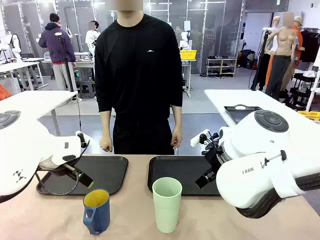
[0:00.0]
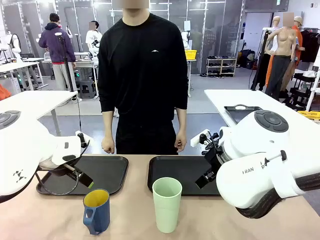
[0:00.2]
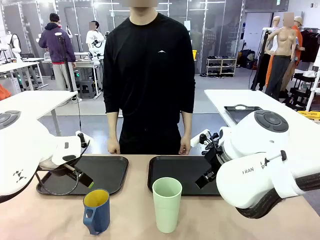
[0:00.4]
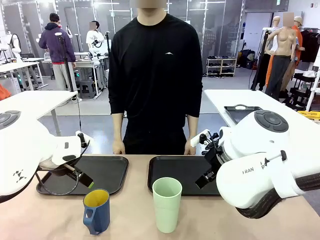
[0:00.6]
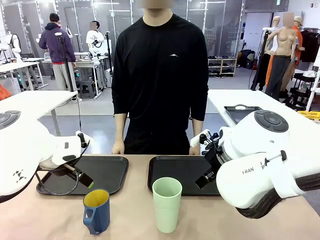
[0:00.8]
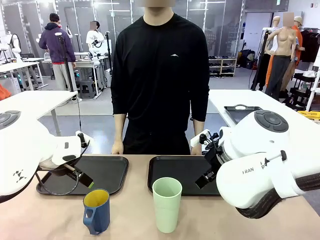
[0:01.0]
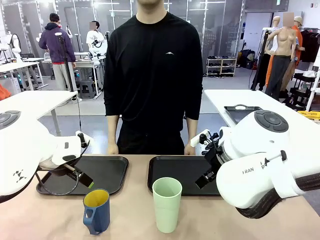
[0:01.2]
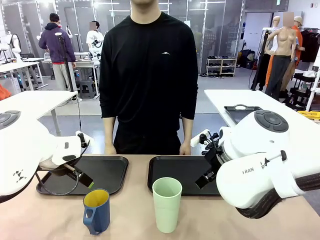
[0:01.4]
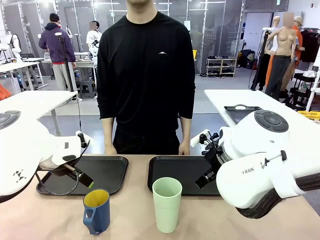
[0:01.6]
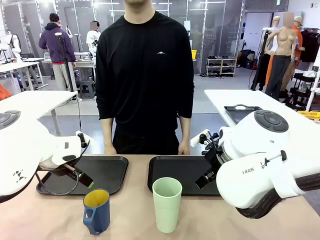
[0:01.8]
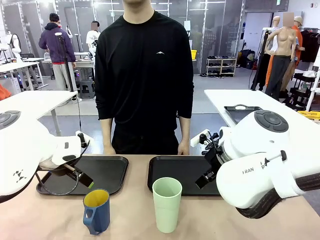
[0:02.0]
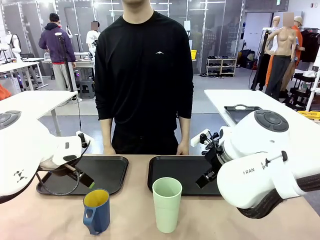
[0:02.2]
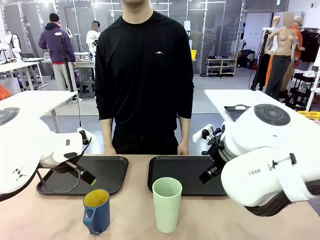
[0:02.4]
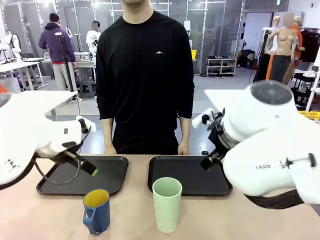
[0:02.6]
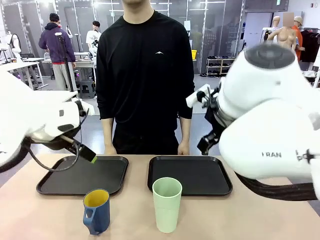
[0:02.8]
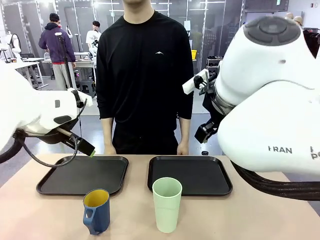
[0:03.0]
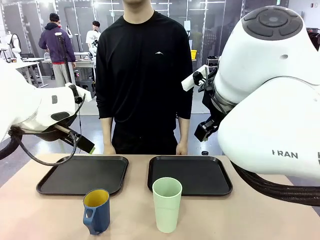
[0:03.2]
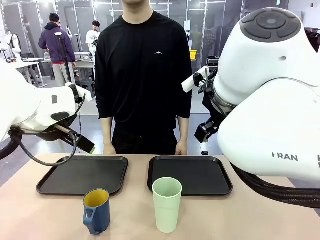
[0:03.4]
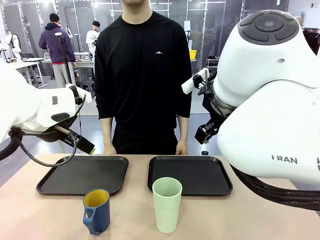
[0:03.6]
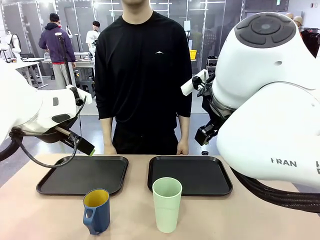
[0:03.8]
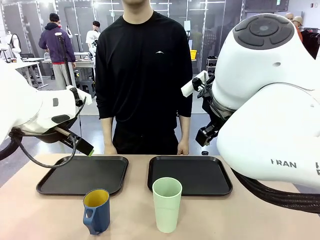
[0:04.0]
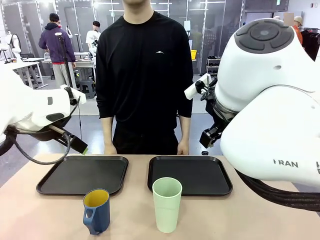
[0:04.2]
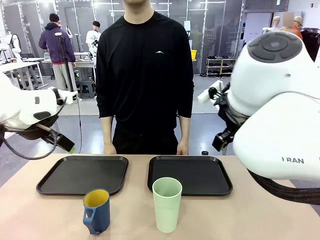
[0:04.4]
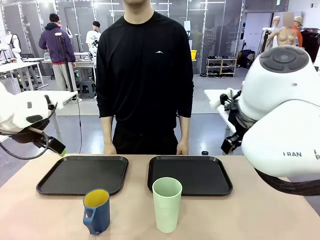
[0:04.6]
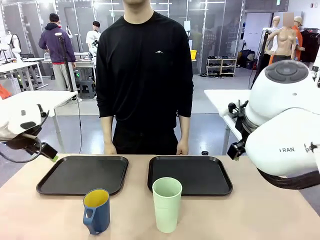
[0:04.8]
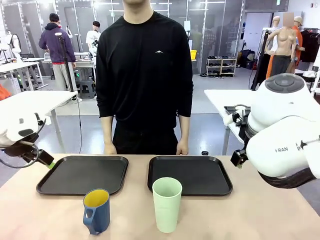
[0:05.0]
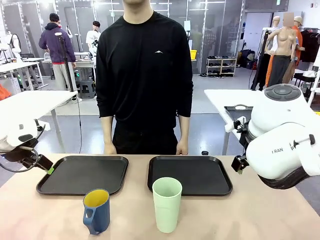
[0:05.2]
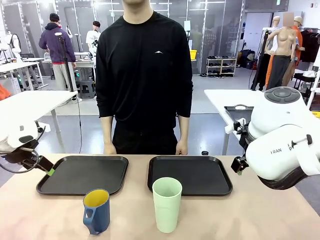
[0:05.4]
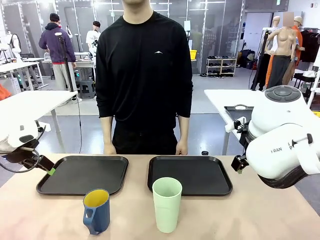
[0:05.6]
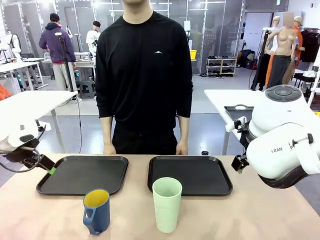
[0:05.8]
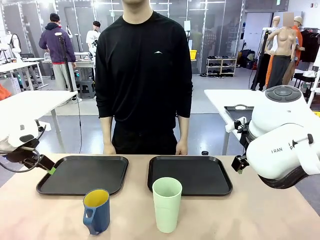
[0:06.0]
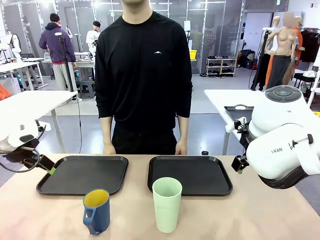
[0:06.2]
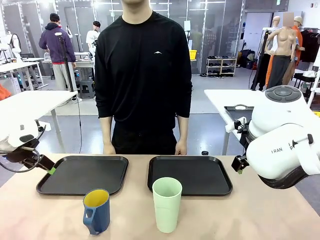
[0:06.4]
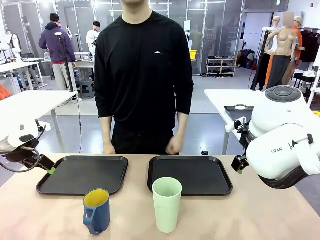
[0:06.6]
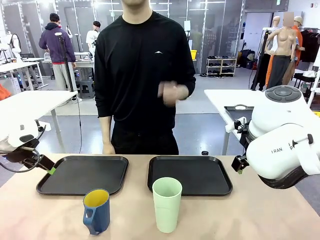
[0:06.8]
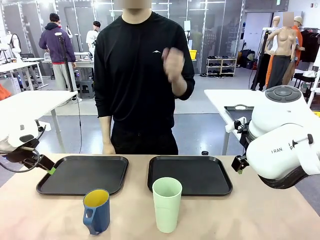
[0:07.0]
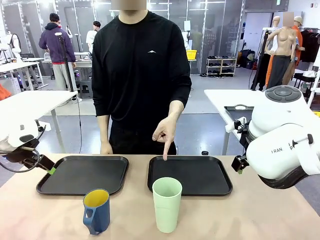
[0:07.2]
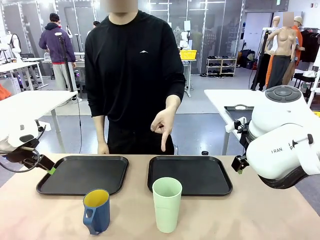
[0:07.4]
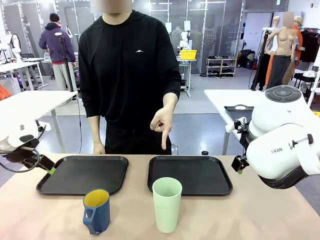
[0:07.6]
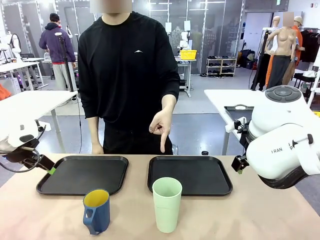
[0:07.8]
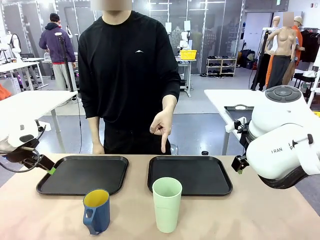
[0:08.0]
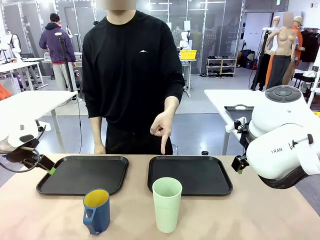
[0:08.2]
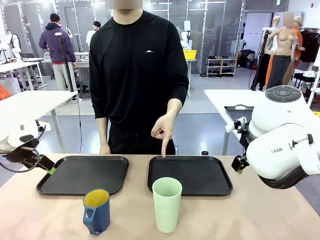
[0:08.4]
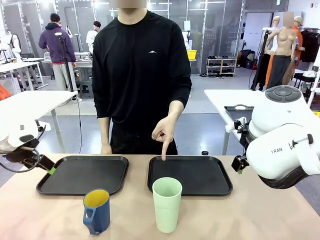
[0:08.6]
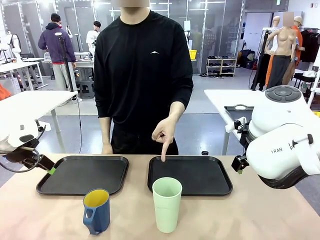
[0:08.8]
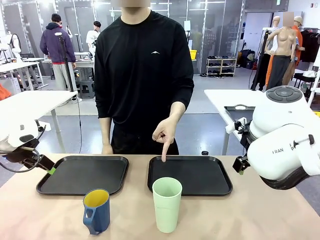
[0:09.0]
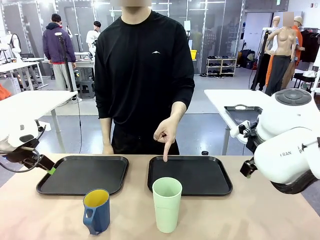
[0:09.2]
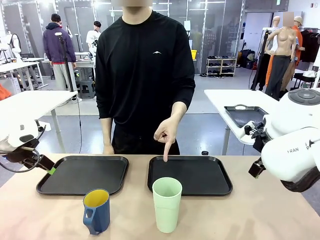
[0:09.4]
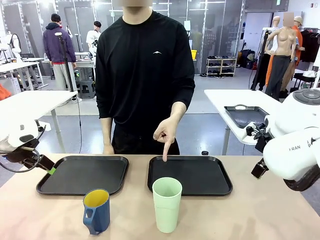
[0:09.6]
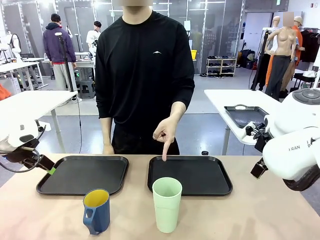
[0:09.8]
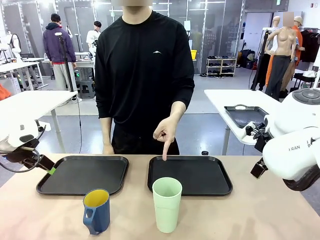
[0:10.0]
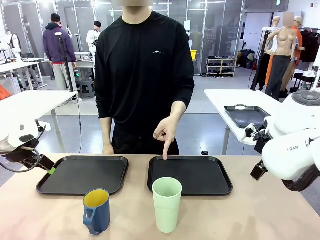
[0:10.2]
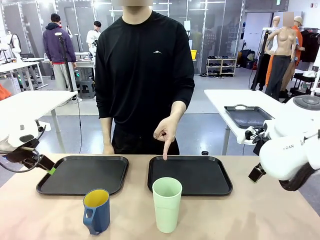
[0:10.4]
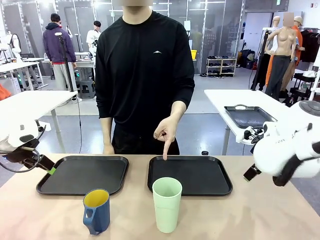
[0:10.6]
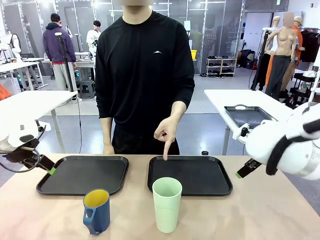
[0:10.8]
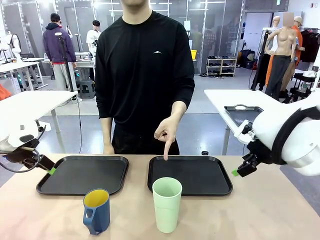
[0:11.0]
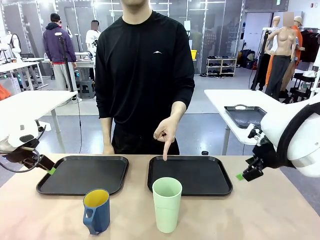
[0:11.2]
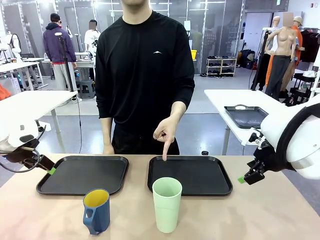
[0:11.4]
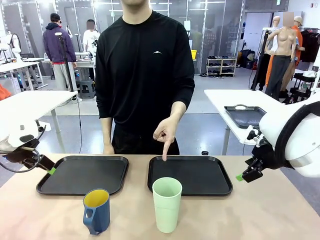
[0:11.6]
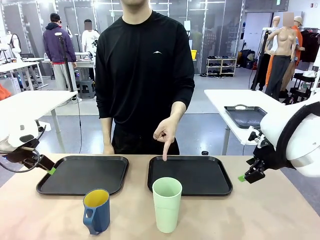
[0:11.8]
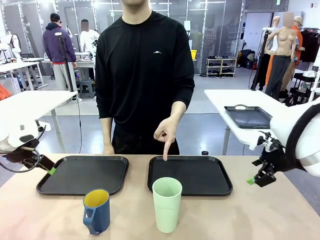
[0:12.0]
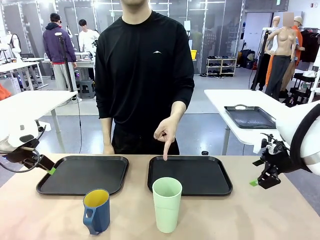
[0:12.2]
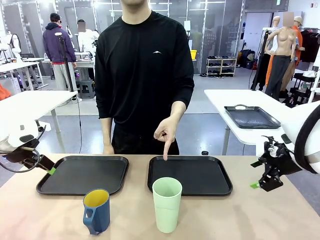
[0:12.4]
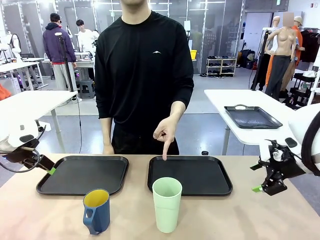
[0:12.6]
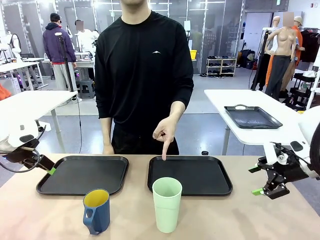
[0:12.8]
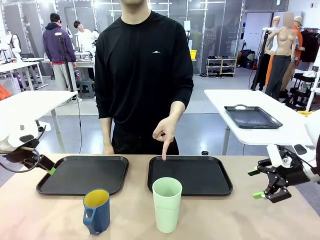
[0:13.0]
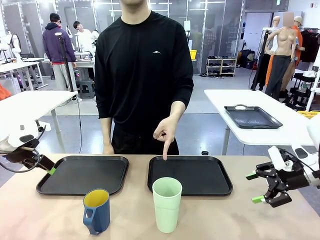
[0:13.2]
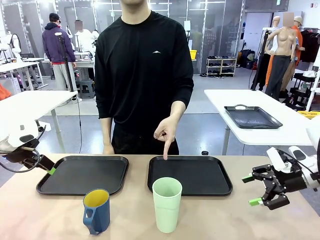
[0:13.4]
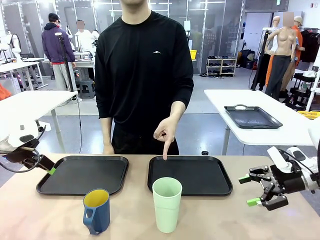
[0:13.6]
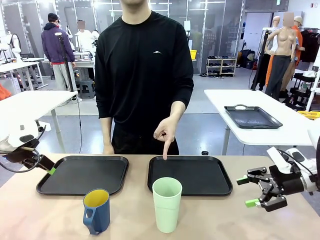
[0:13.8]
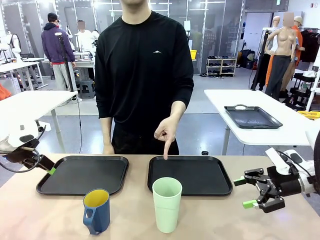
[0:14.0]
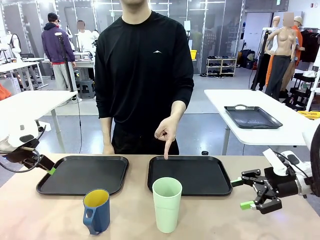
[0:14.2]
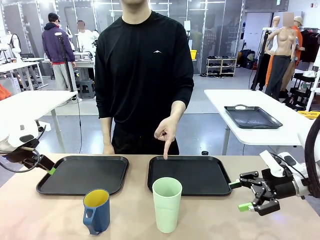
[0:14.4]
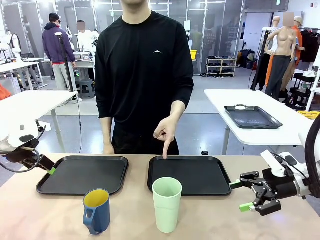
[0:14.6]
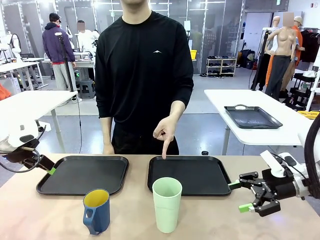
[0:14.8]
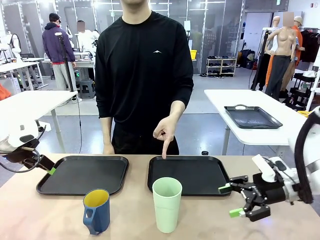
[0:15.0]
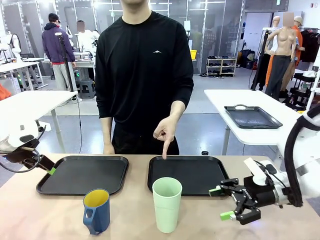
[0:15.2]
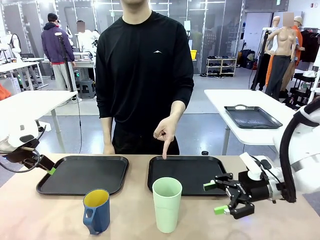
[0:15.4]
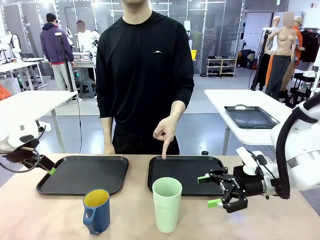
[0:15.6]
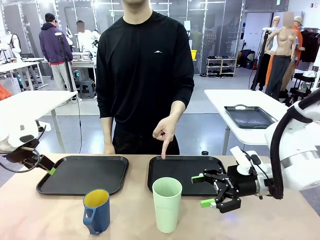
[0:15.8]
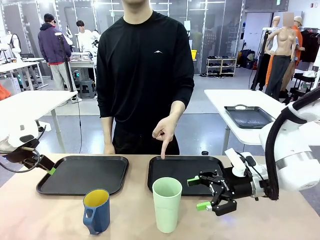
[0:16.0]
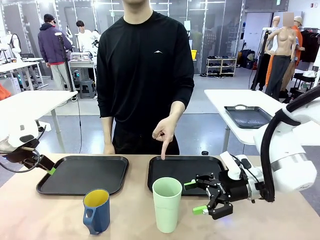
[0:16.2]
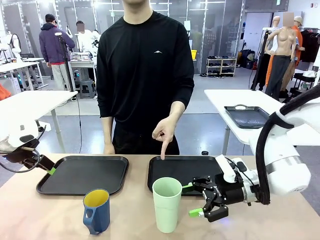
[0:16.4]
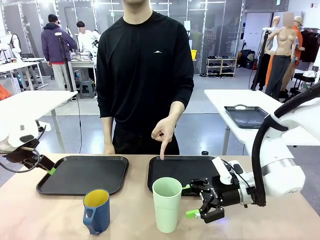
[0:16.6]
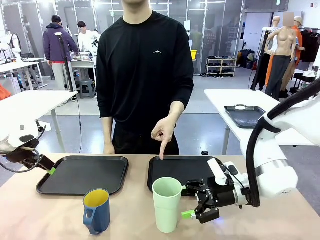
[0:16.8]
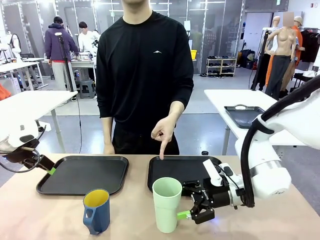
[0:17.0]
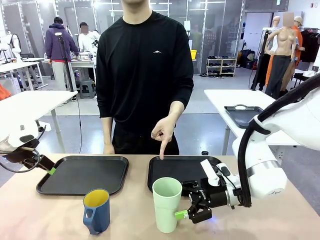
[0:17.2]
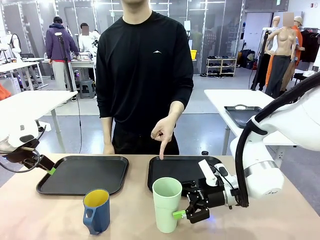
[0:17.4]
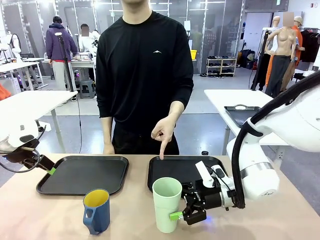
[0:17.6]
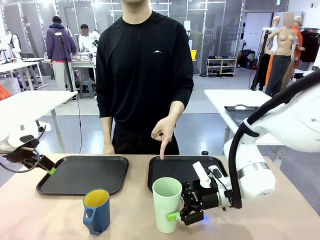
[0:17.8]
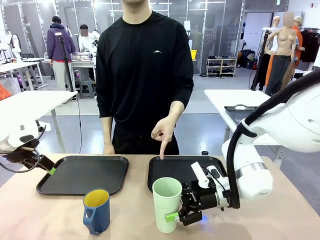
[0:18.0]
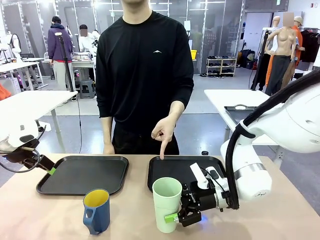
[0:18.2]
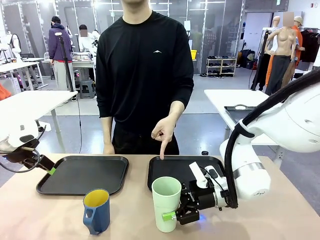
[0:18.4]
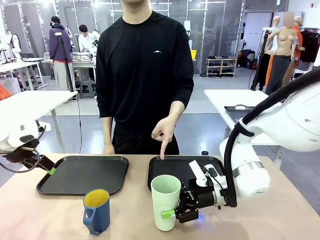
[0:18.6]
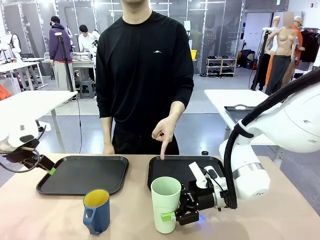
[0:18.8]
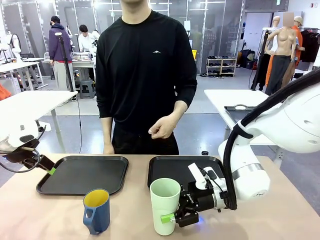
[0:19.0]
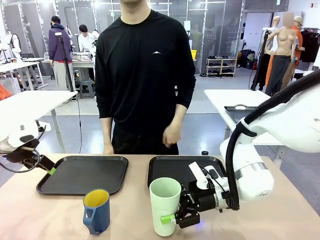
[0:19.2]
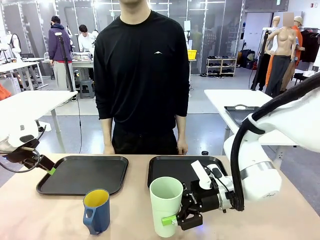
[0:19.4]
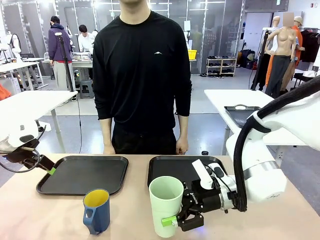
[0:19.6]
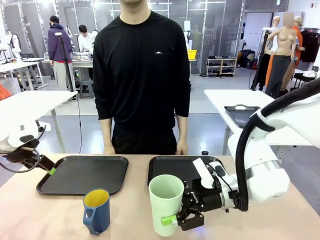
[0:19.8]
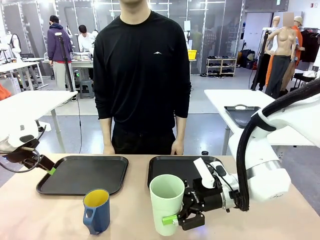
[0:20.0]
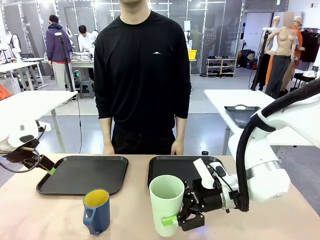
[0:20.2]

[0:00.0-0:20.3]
Task: Sort and store the cups by type.
Robot: Pick up the Reusable plastic cup.
Person: Points to the reusable cup. Point to one of the two trays.
